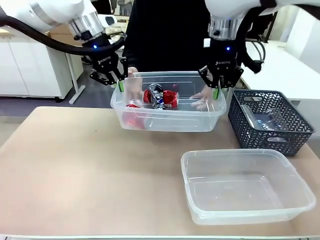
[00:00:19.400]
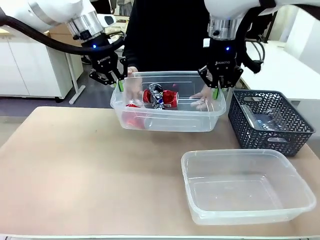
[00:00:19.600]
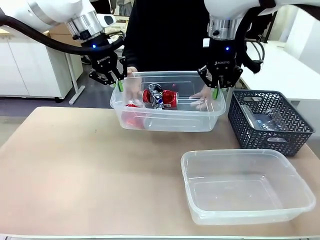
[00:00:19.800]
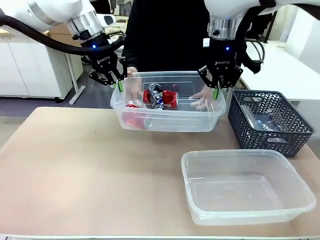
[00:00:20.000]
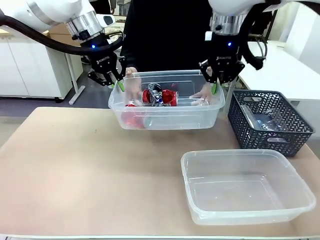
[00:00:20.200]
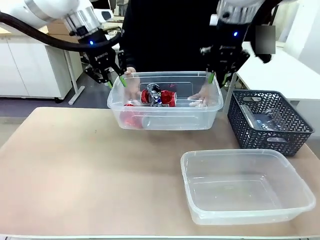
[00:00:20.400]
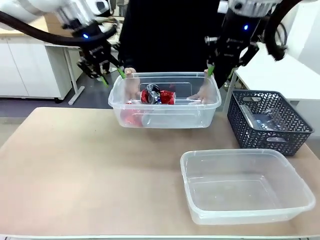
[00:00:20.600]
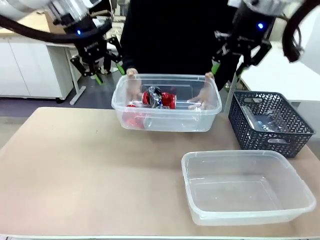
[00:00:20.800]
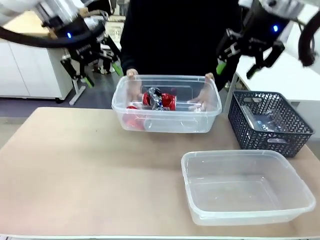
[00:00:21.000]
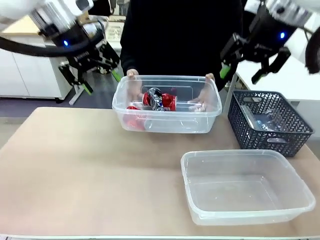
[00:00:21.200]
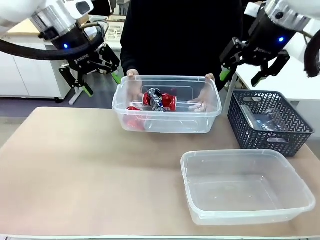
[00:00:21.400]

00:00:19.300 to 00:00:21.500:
Robot: Release the Organizing box you were holding.

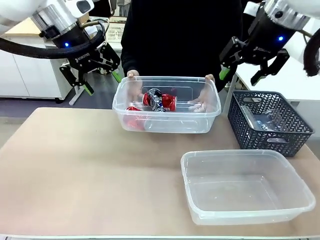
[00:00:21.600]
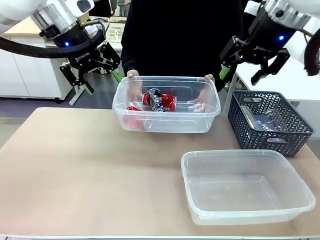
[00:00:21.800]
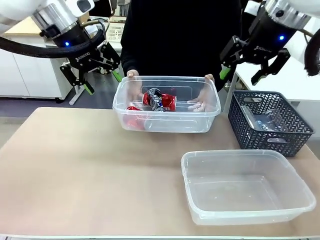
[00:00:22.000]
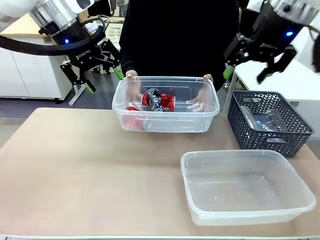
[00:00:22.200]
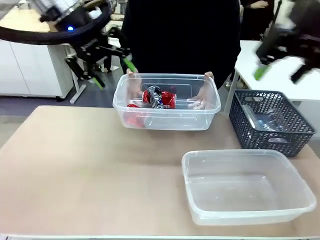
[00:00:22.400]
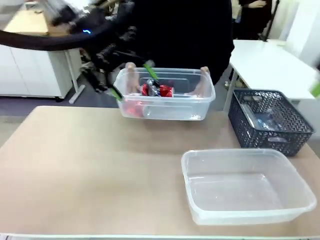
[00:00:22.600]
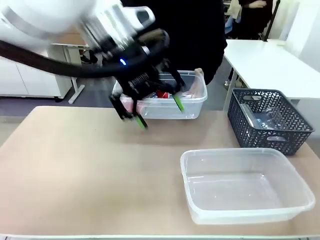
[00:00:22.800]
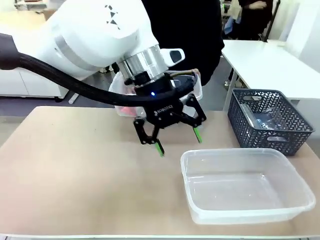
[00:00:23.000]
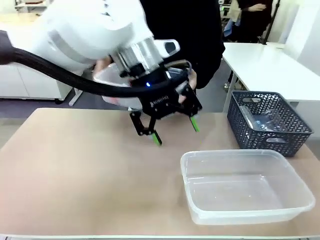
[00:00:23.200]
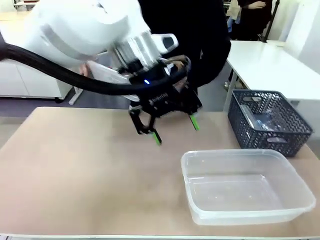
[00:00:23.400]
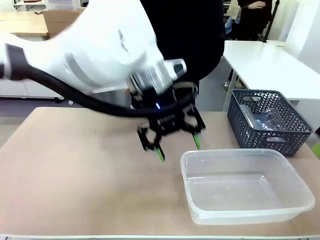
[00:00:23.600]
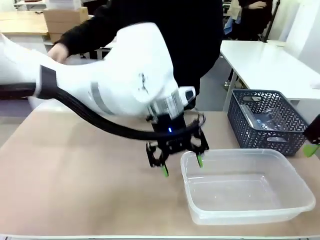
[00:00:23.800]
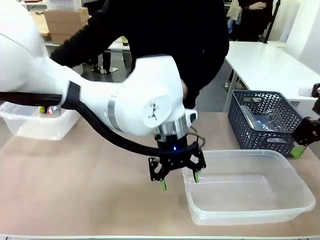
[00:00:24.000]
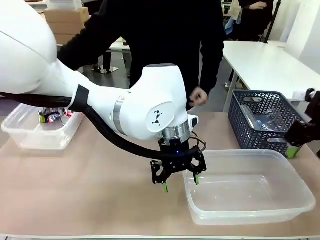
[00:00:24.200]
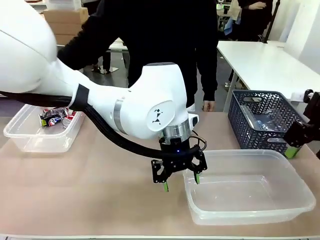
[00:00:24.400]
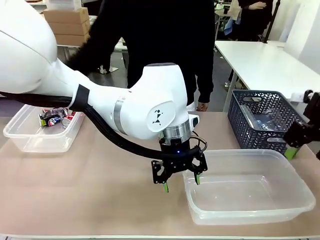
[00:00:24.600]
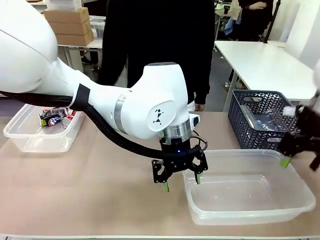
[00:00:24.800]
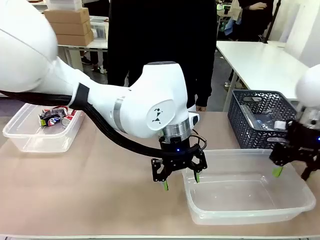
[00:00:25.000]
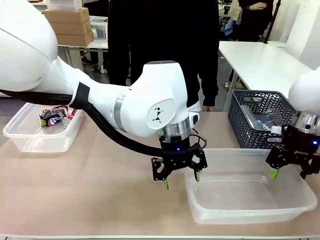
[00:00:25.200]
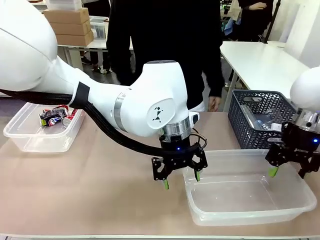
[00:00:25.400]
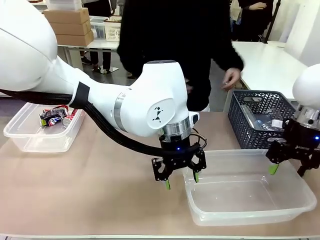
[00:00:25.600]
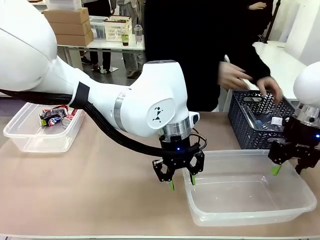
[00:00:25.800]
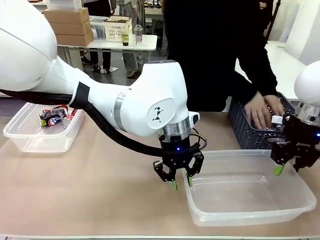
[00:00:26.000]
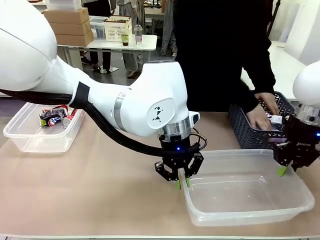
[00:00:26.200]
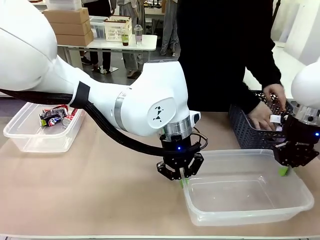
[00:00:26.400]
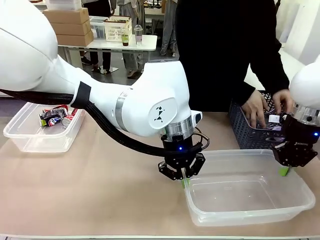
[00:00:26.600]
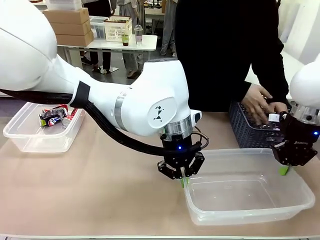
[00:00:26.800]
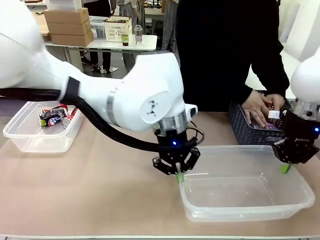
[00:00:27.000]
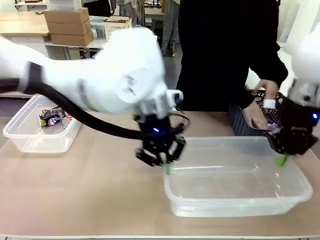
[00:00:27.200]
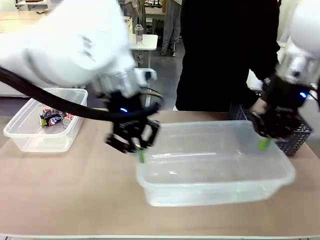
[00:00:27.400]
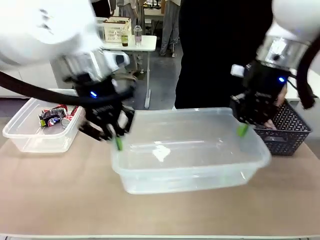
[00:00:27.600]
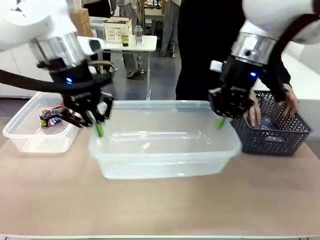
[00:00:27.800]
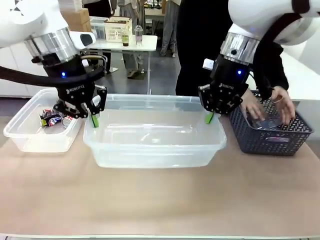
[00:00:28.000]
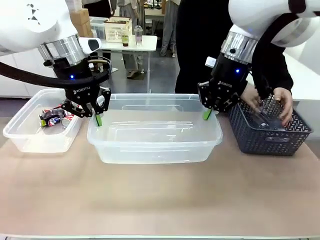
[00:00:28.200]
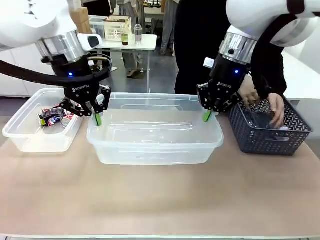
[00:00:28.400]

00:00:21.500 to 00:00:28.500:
Robot: Pick up the Organizing box on the right side of the table and lift it.
Person: Place it at the edge of the bottom right area of the robot table.

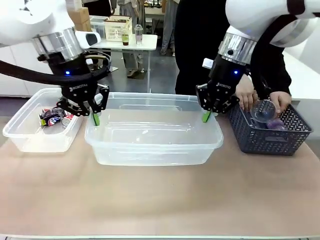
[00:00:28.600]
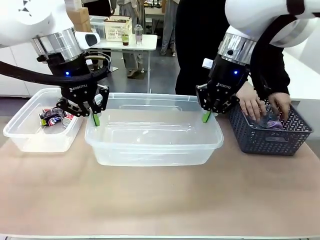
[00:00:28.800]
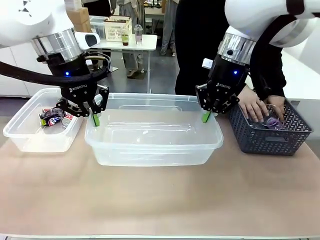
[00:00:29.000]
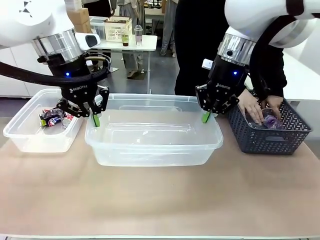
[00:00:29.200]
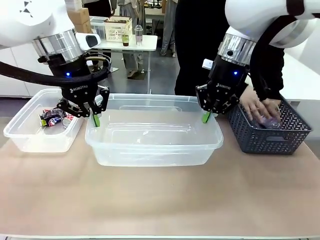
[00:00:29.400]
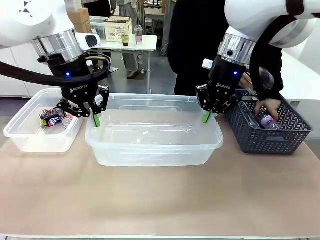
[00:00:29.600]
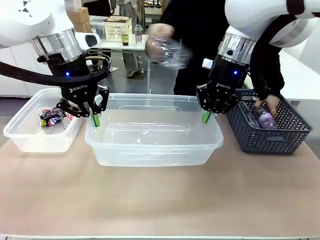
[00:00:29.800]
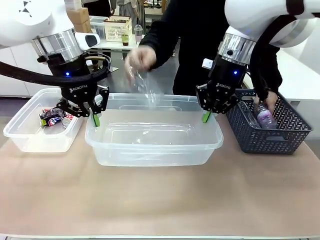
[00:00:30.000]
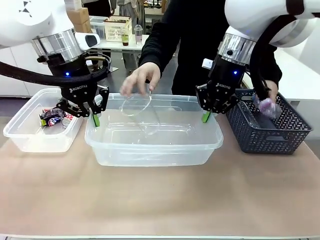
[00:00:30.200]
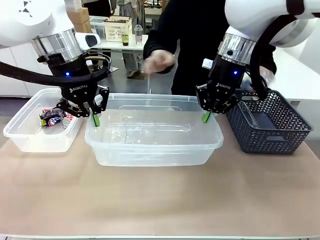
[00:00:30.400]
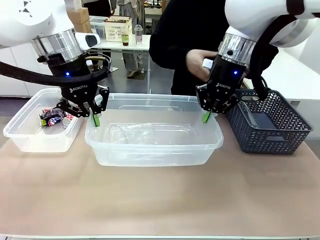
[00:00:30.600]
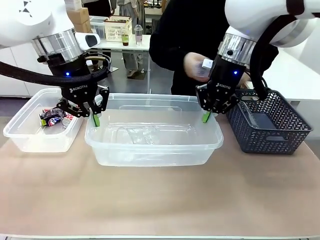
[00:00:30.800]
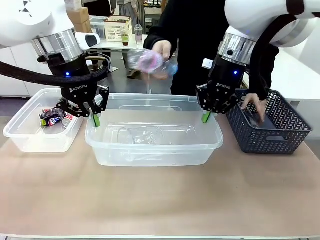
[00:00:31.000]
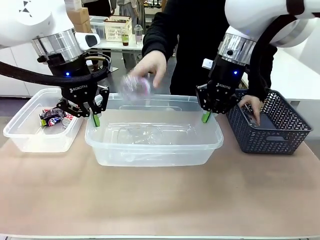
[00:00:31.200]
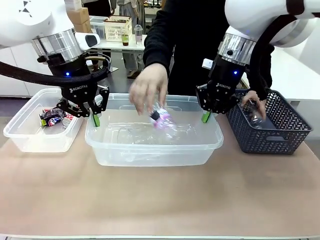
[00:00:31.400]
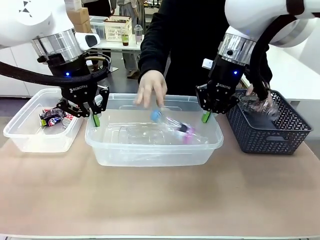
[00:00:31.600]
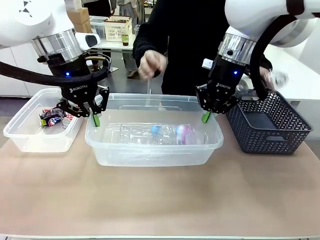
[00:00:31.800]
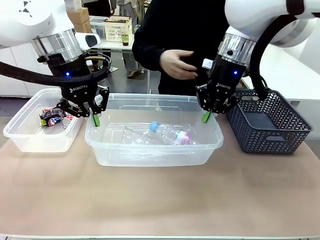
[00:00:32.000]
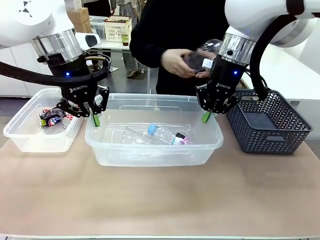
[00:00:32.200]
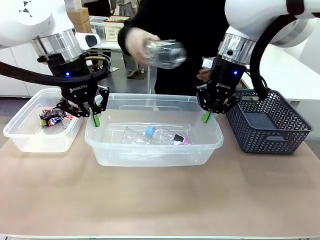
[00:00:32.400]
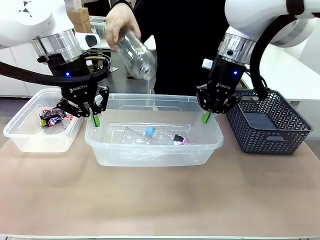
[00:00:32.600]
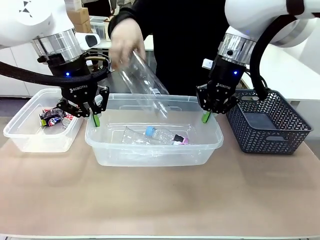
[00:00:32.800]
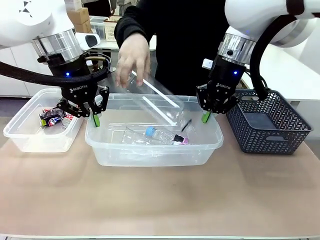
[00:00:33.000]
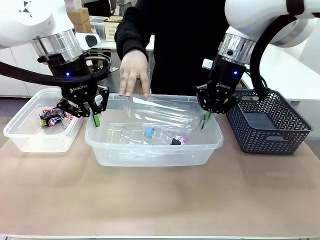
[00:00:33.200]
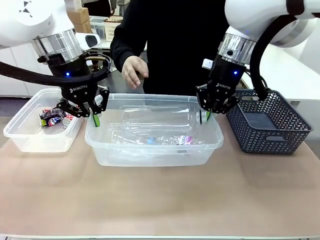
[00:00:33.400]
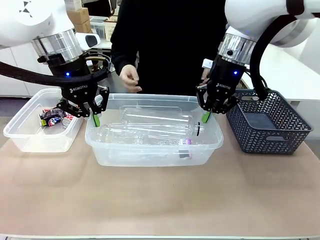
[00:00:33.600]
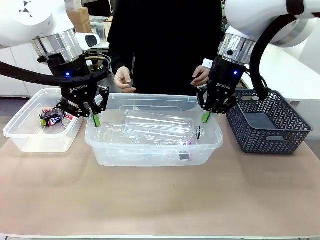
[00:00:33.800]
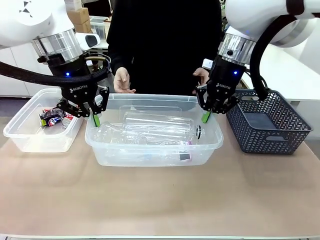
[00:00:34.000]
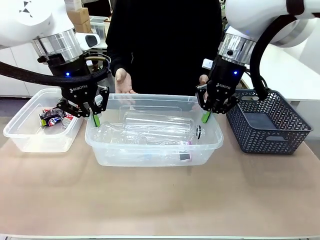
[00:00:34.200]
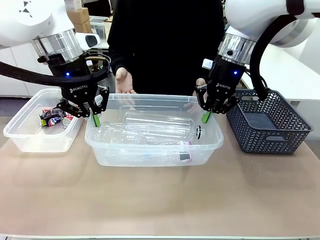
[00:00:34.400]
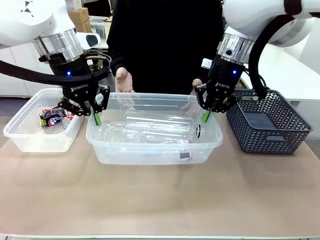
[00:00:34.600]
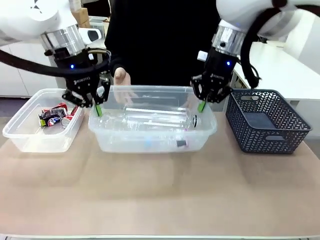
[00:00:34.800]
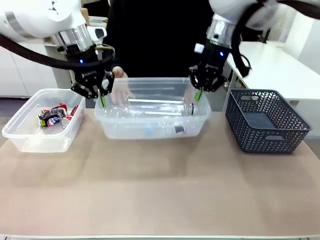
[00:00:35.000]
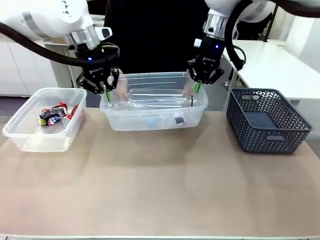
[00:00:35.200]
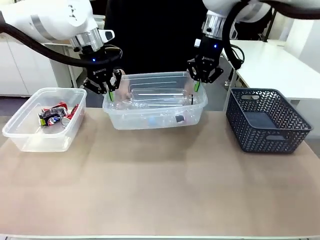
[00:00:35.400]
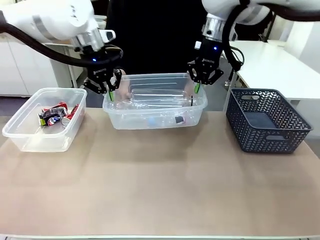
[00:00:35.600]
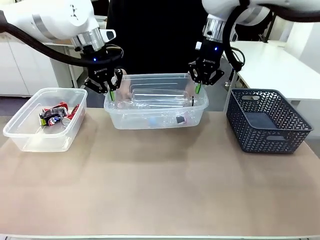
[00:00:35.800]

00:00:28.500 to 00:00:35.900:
Robot: Offer the picked Organizing box to the human.
Person: Pick up plastic waste one by one and place it into the organizing box lifted by the robot.

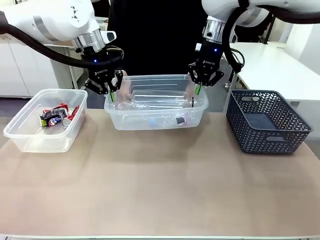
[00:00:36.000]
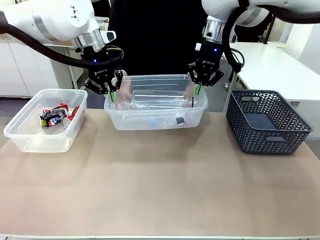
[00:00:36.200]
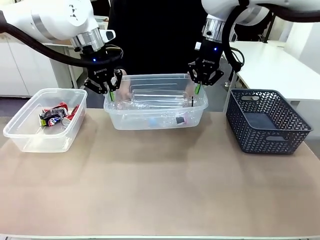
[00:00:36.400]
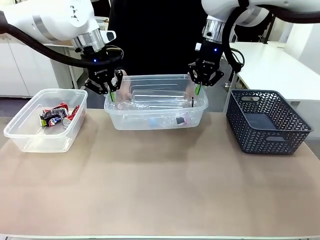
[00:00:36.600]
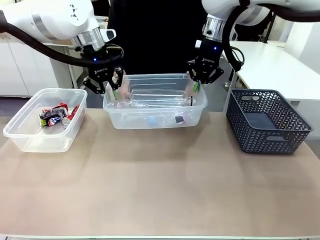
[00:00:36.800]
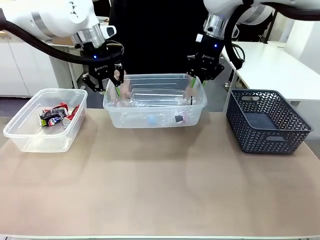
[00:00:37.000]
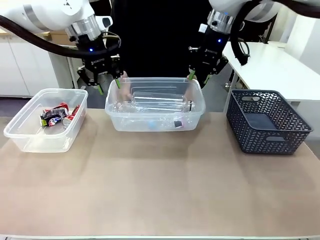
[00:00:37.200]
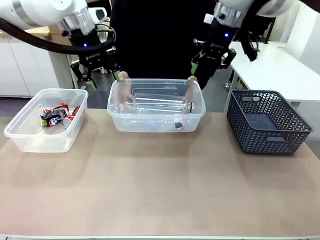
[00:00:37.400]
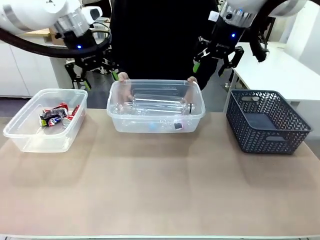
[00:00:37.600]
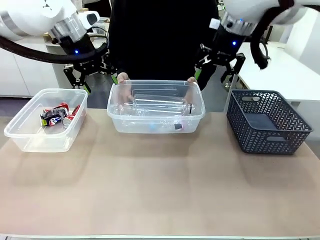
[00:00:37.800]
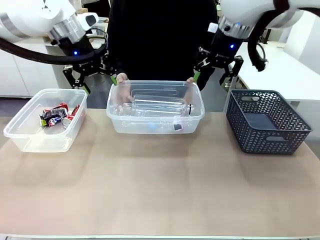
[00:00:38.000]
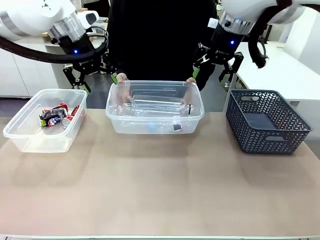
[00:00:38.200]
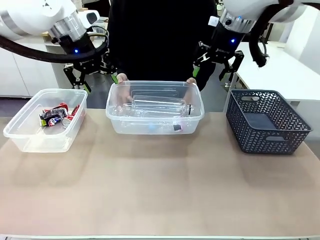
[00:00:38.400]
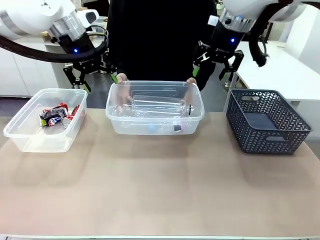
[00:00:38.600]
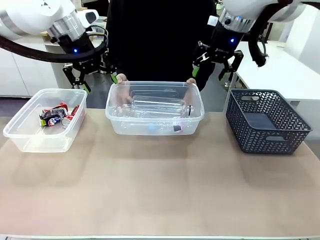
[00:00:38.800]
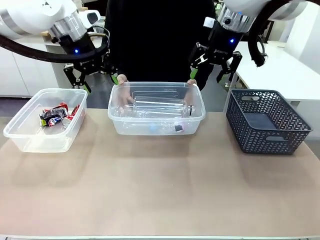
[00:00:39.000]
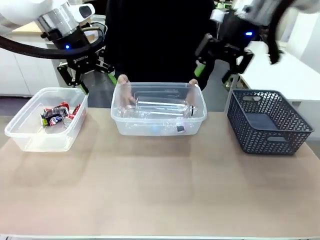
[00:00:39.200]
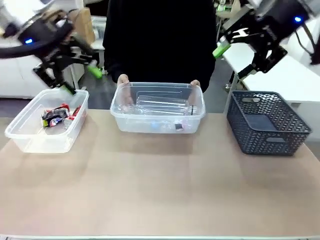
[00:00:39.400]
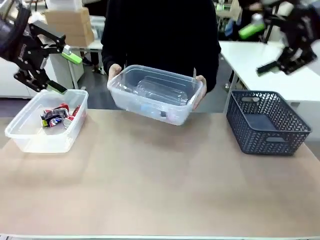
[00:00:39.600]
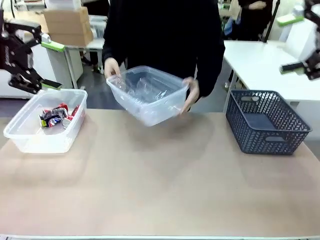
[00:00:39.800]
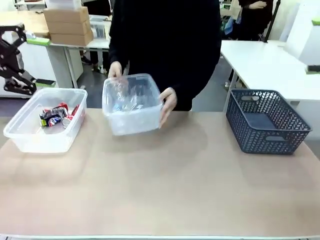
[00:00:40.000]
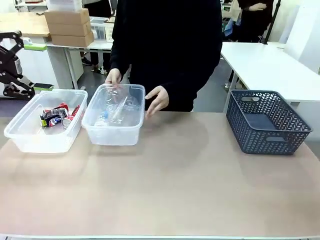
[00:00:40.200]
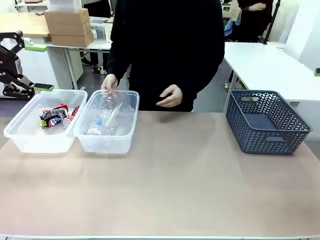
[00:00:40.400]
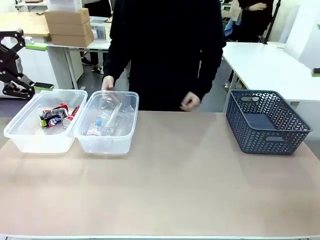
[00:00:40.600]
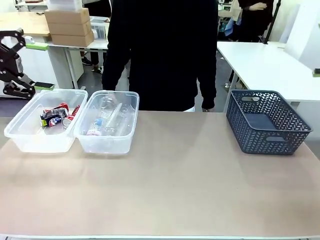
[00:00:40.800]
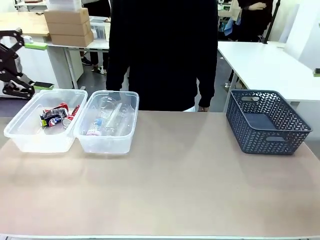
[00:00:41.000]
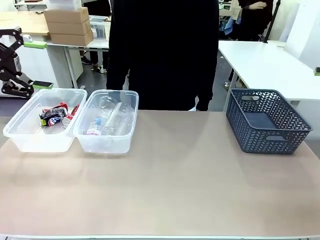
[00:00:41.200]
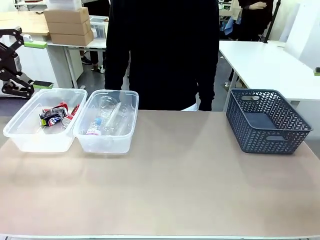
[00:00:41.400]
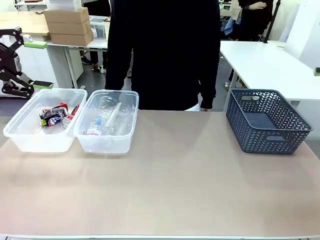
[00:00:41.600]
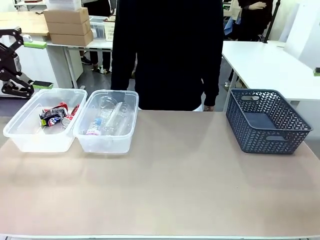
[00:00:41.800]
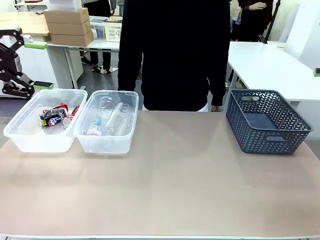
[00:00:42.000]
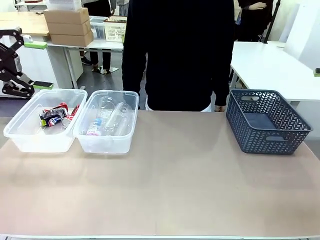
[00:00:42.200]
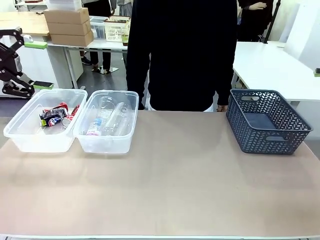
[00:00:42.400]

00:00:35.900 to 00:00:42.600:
Robot: Release the Organizing box you were holding.
Person: Pick up the organizing box extended by the robot. Place the organizing box to the left of the sorting box containing the can waste.
